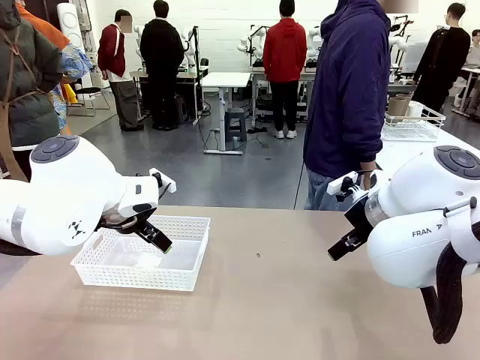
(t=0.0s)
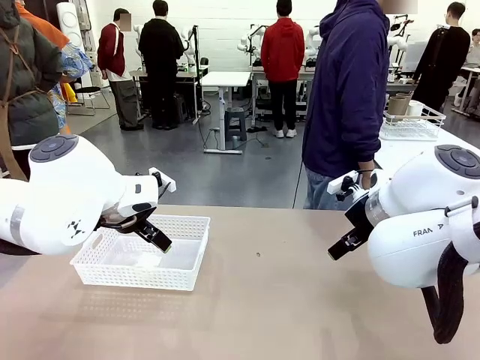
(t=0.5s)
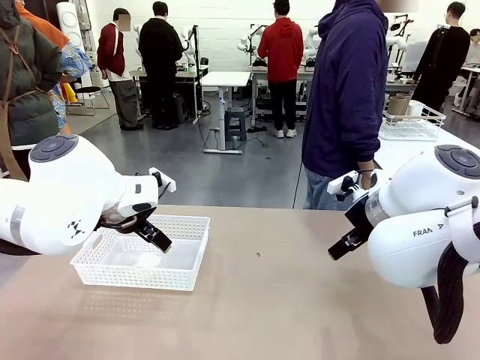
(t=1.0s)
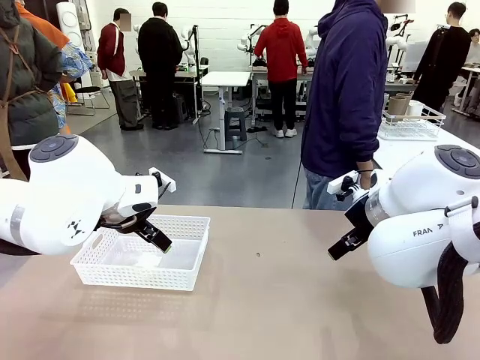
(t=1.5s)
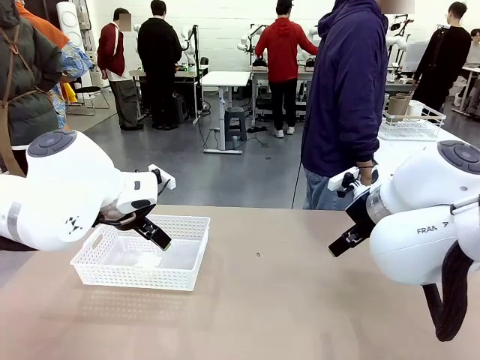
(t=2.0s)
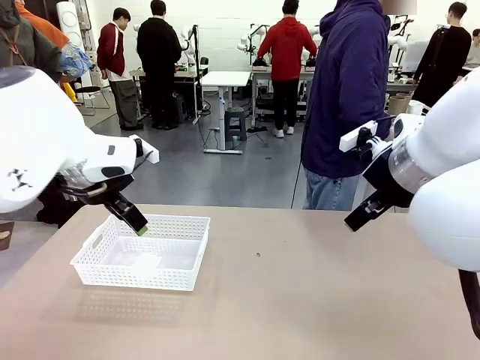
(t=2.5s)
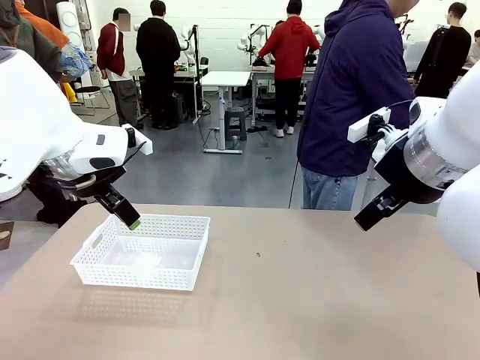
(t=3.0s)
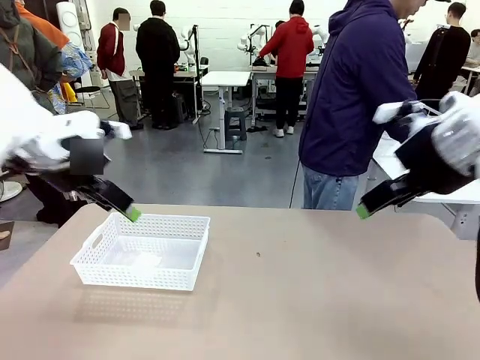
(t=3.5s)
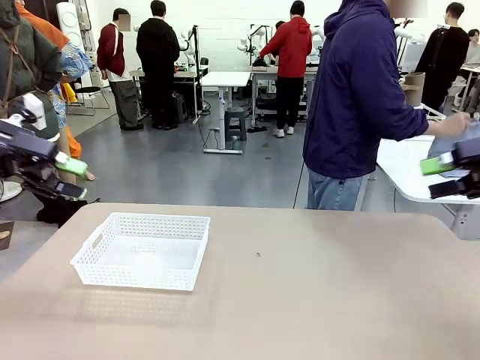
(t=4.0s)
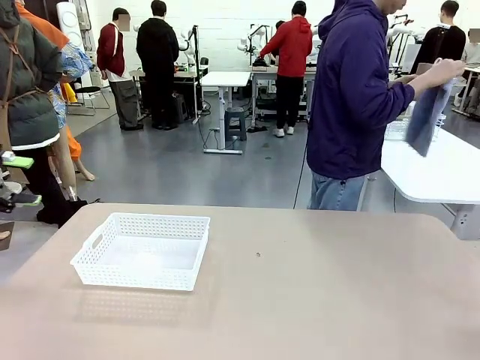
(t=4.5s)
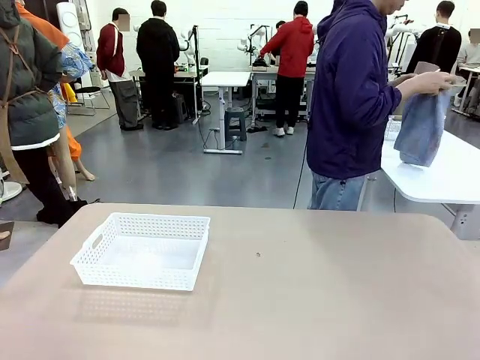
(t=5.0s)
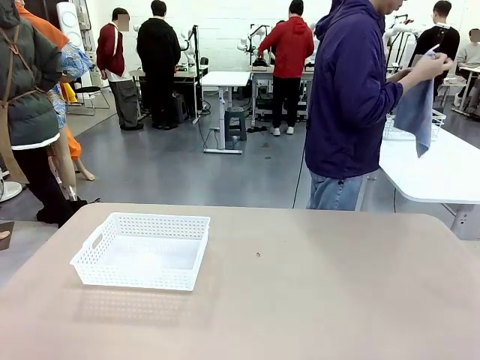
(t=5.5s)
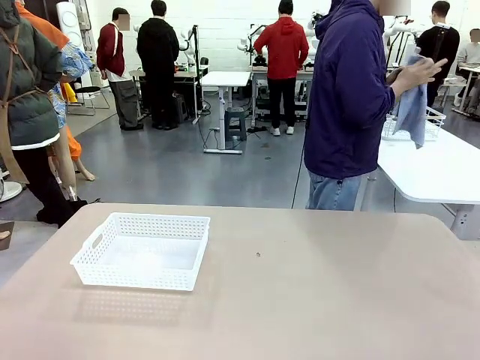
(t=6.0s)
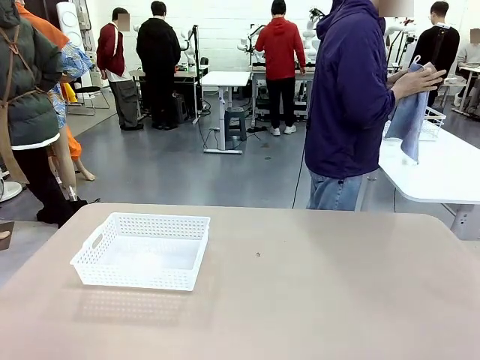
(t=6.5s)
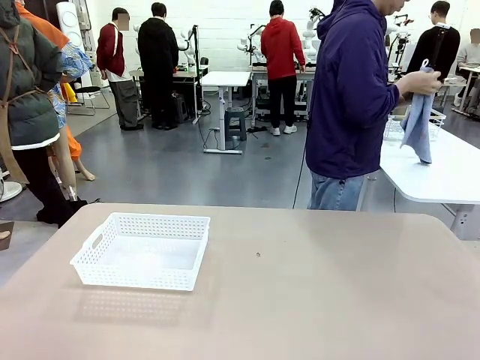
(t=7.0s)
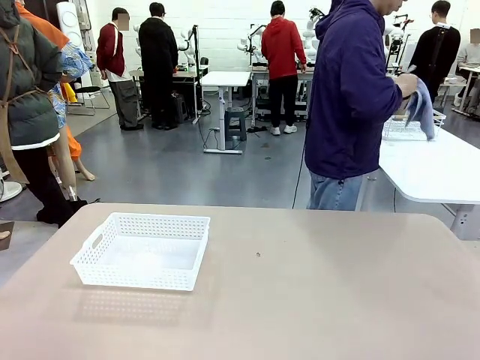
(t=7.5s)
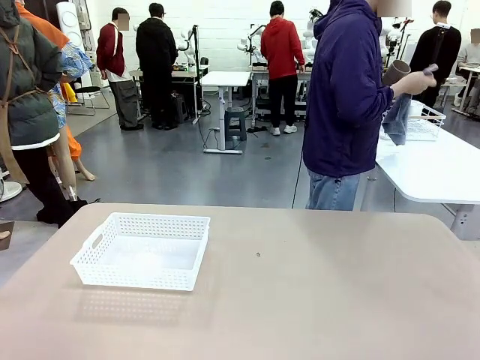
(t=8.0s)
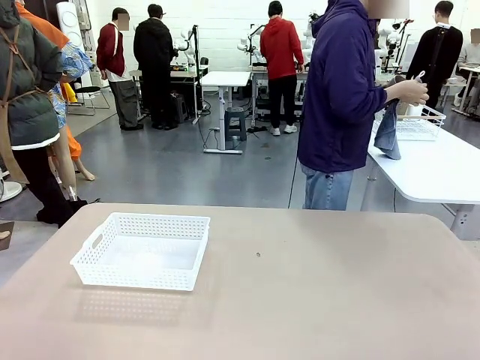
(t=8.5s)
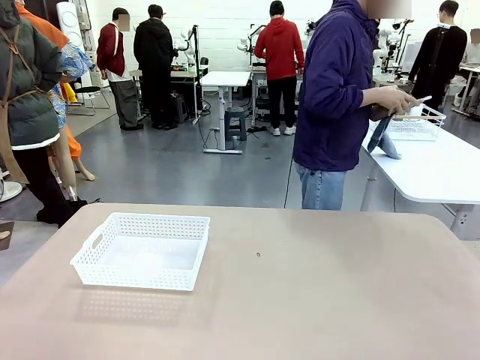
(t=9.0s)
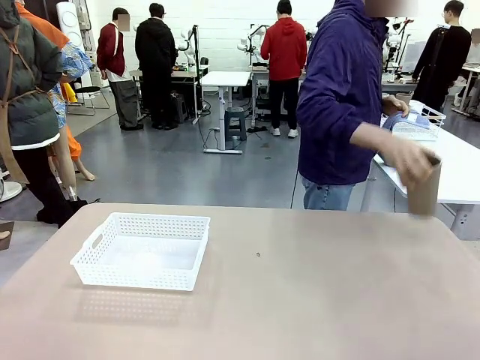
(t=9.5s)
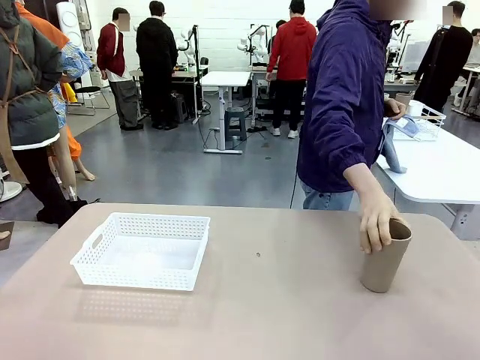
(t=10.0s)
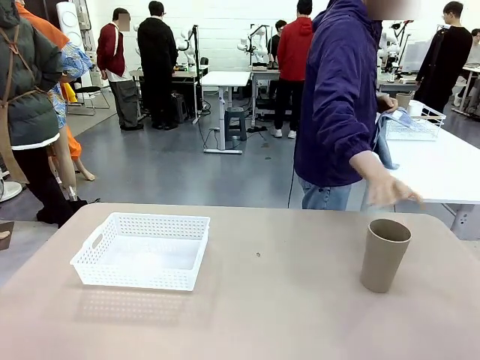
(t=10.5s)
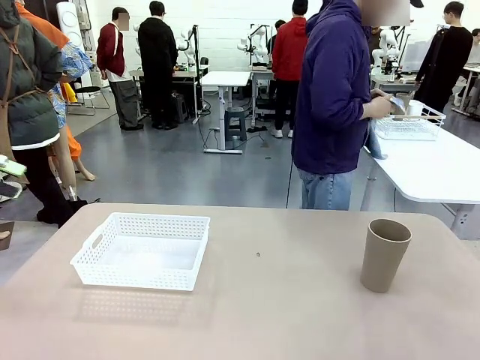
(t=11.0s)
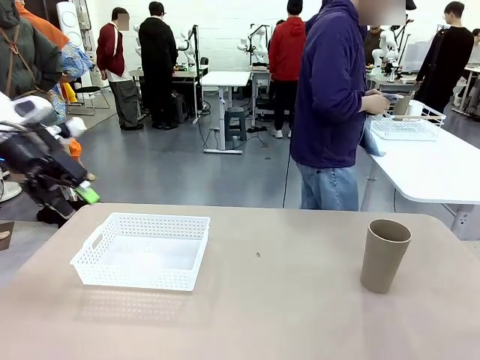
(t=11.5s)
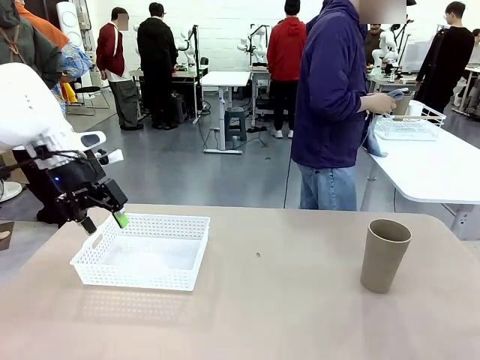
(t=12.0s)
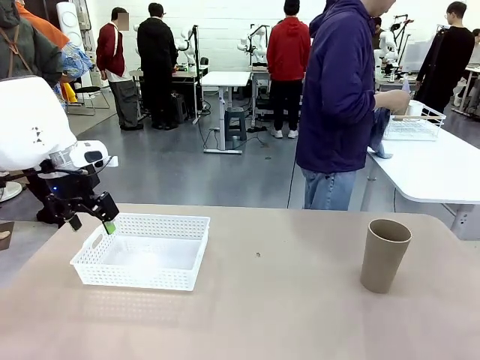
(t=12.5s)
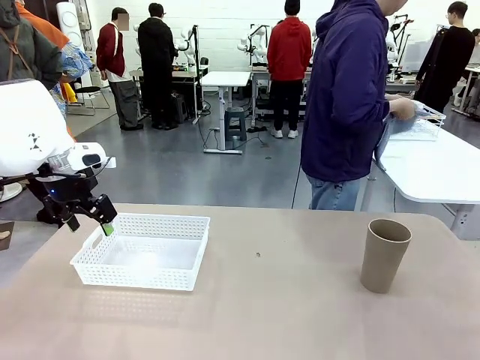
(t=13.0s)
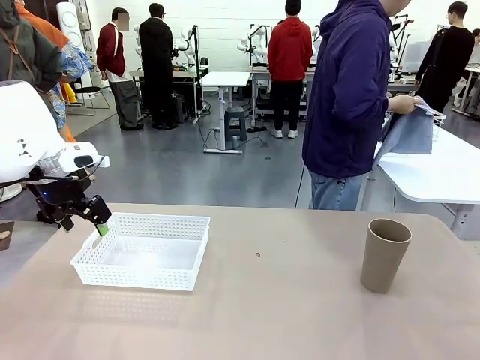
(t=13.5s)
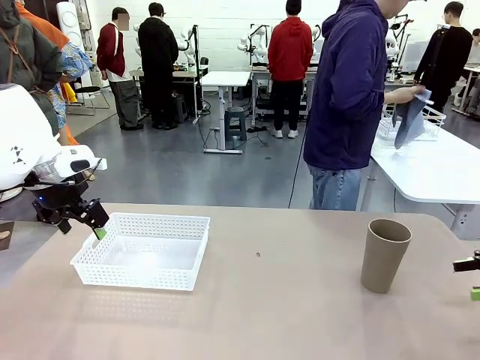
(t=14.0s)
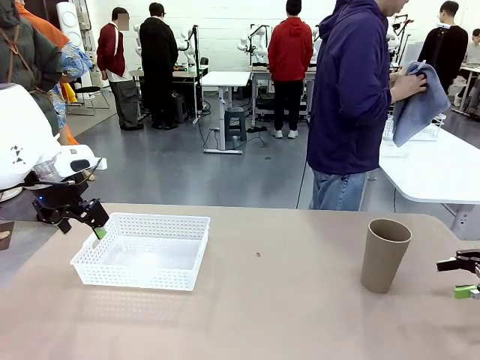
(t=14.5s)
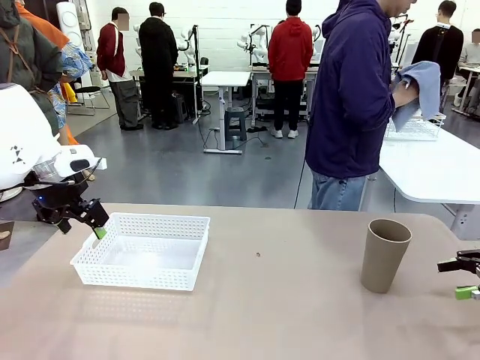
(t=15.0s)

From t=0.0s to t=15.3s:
Task: Clean and organize the cups into the basket.
Robot: Pick up the Organizing basket and move it to the center of the table, then pick up the Reusable plastic cup from the right side of the table and place it inside the Organizing basket.
Person: Picks up a cup and a towel, cleans the cup with the towel, and places it on the left side of the robot table.
